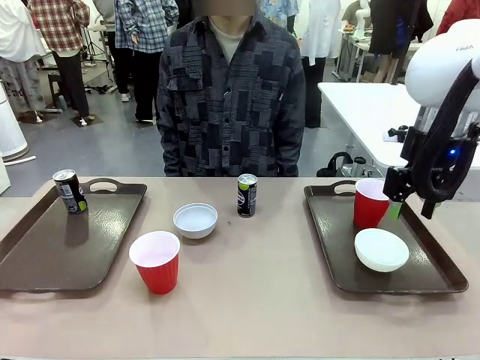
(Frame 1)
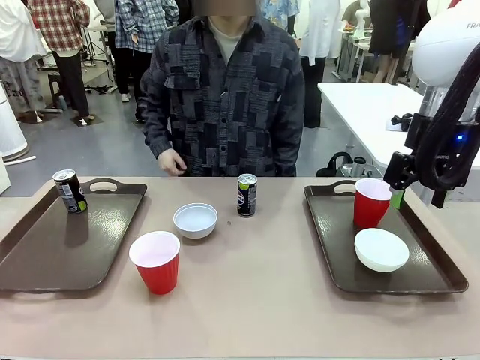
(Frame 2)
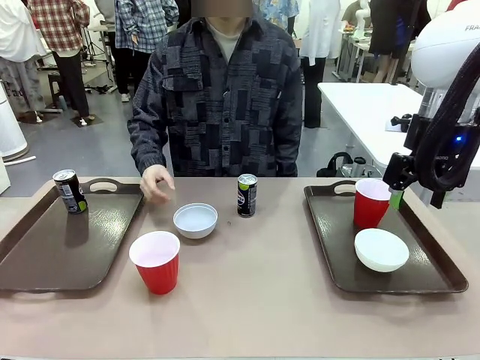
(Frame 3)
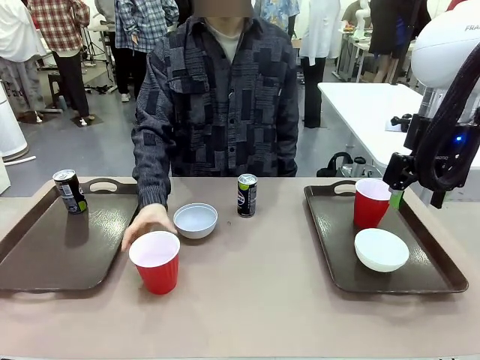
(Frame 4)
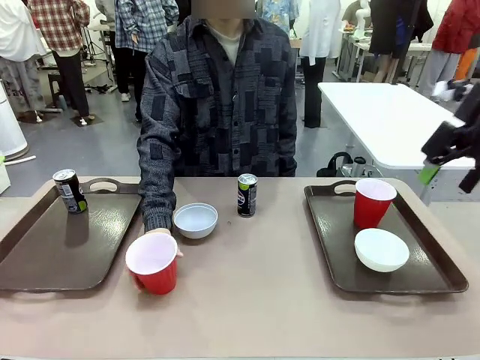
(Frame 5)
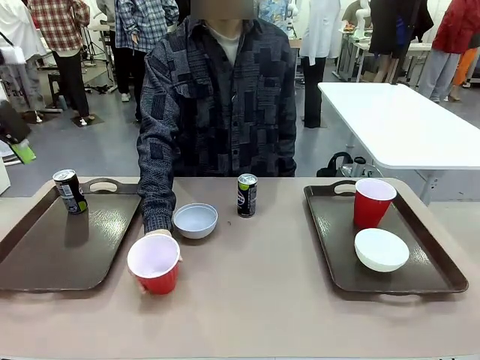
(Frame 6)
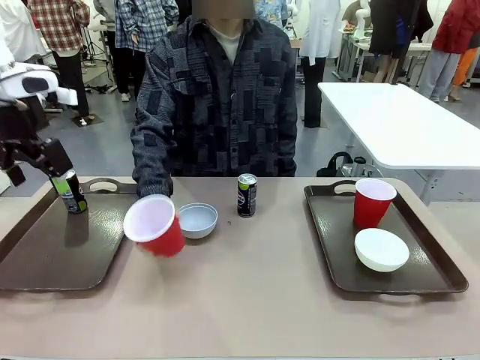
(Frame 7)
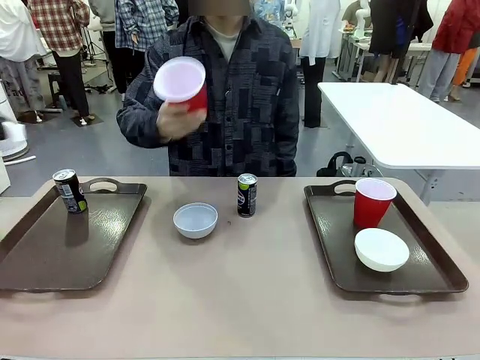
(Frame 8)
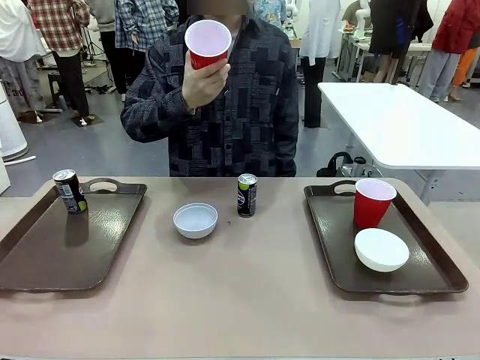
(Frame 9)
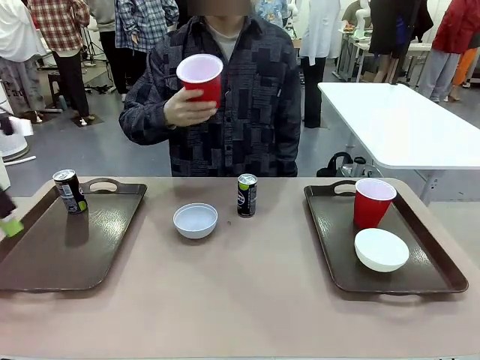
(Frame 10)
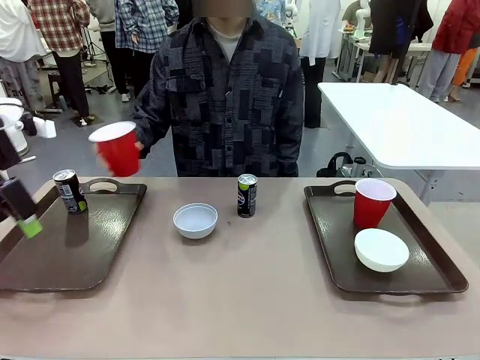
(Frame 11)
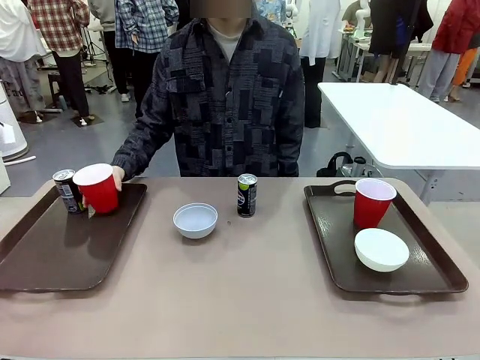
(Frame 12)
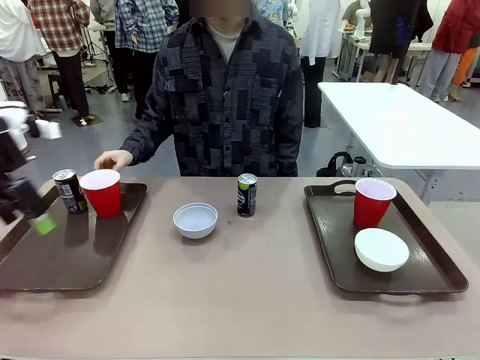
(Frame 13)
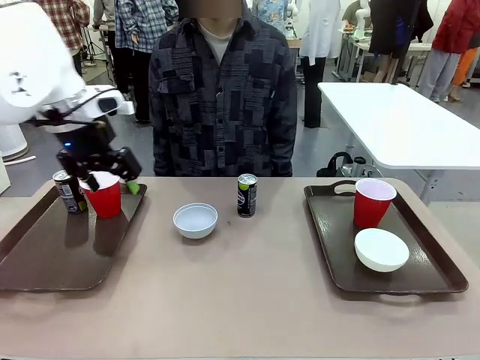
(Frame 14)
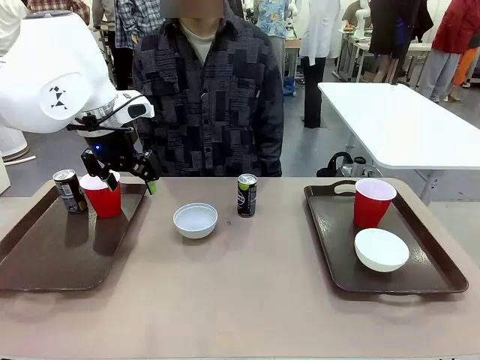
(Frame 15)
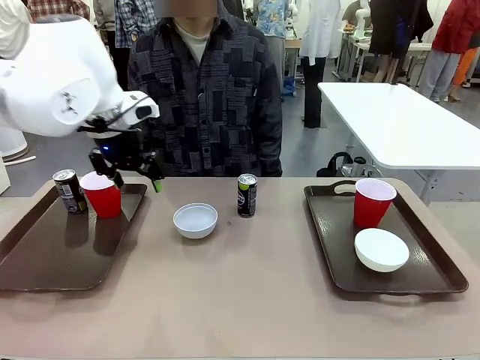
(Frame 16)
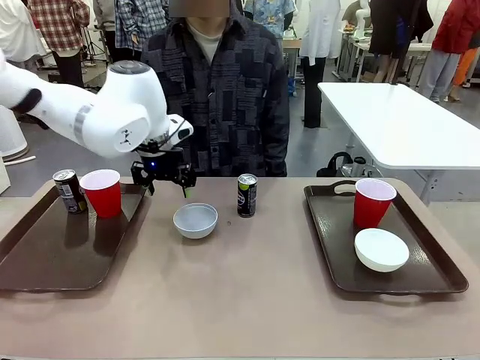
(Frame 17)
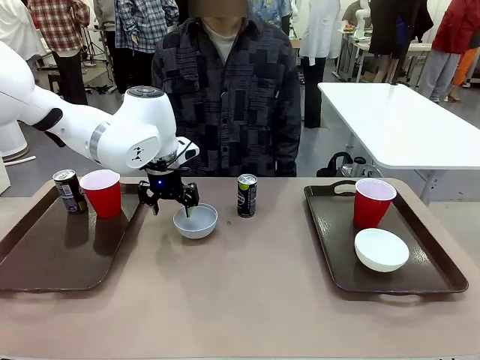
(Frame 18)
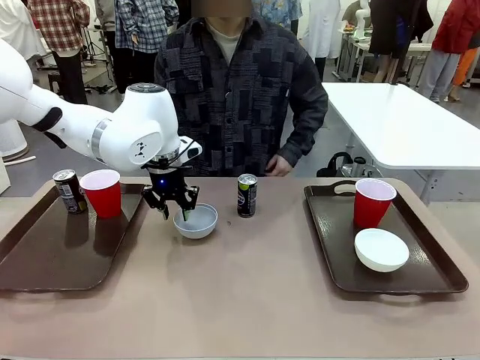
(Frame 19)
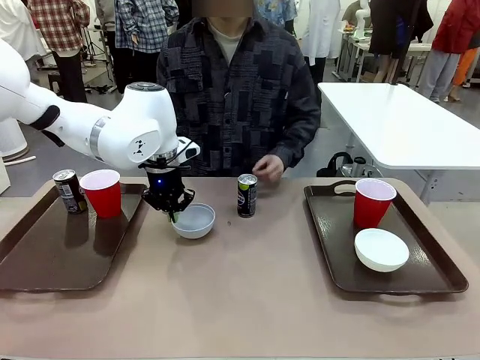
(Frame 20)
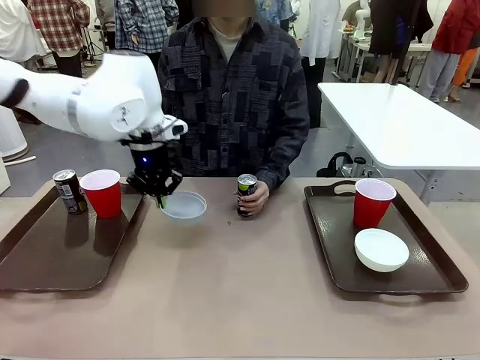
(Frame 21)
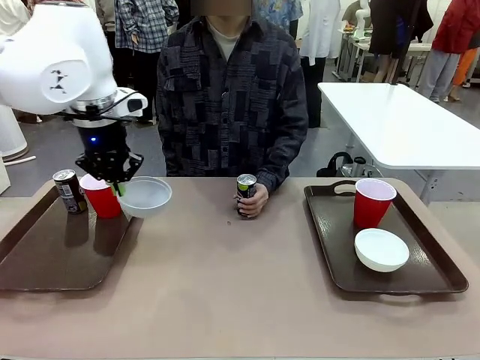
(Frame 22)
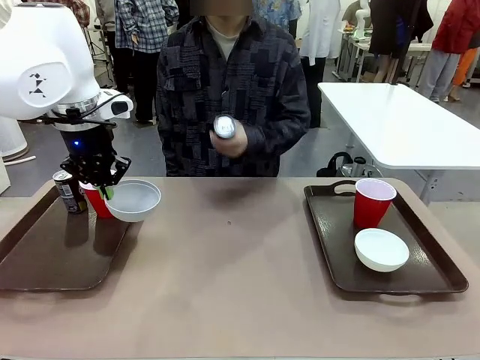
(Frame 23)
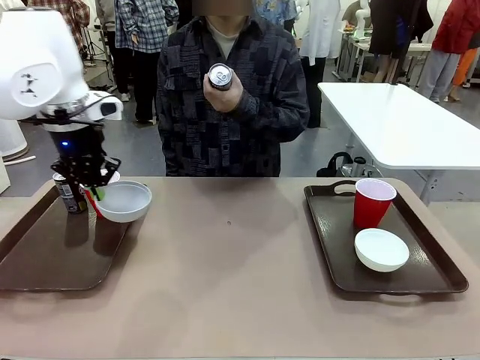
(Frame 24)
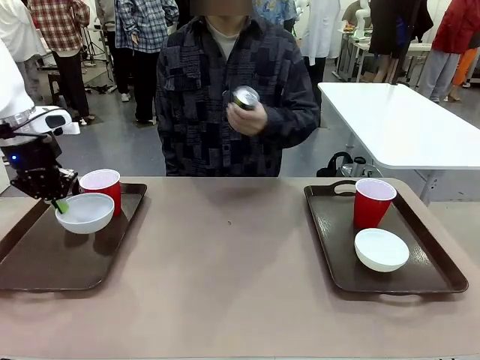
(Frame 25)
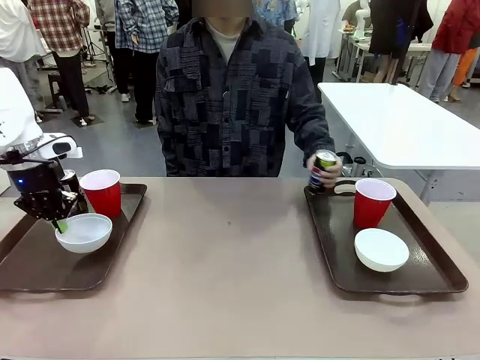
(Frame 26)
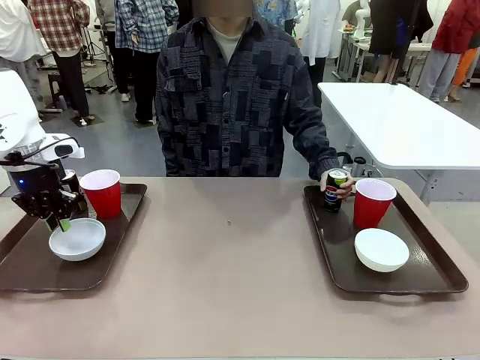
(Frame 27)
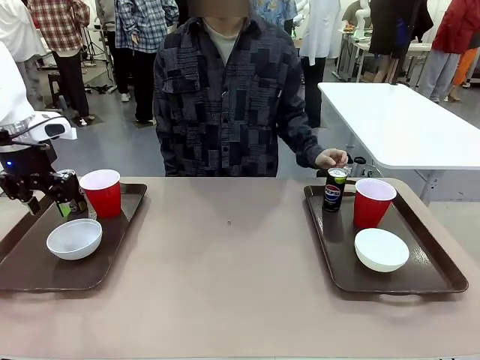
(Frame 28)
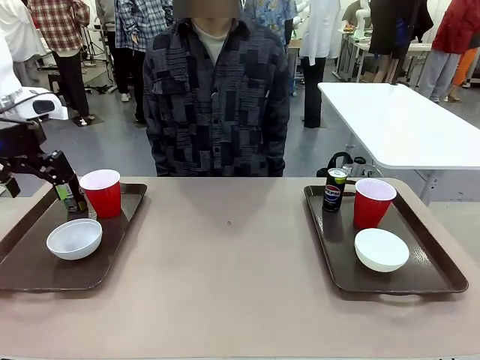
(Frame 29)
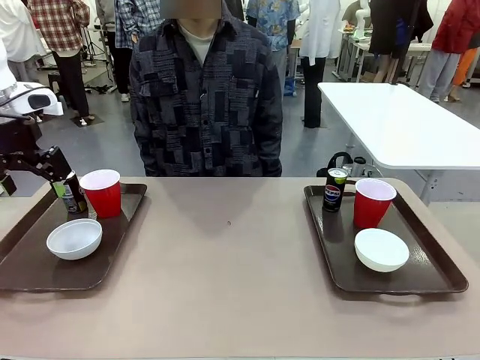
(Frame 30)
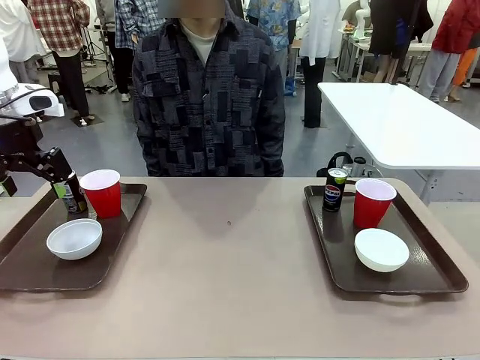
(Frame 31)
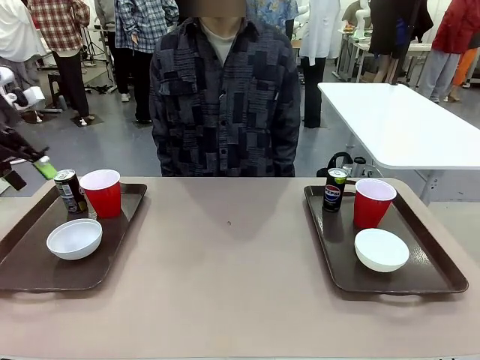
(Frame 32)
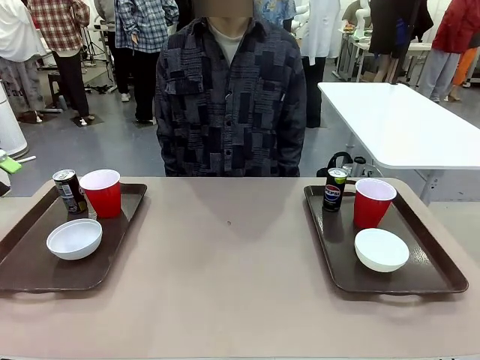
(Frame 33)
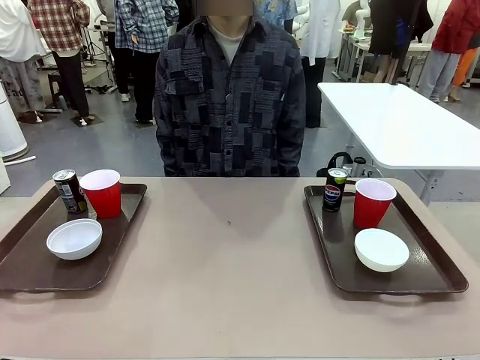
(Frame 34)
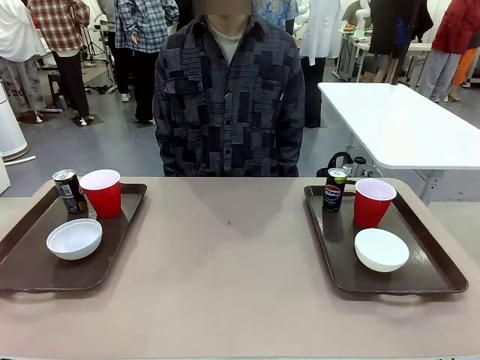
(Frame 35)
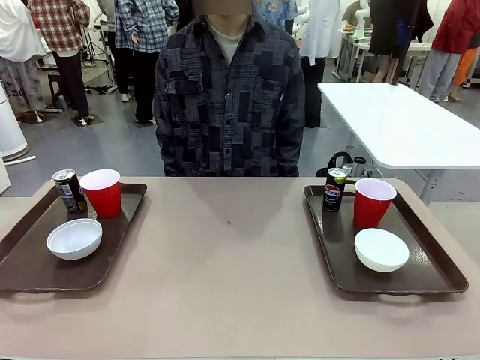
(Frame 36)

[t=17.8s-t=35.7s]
Task: Prepare tableware on both trays.
Robot: Pick up a Picnic Bowl from the table and place it on a Handle tray.
Person: Pick up a can or cup and place it on the tray without a can or cup.
